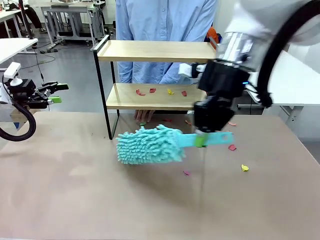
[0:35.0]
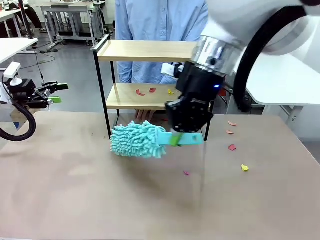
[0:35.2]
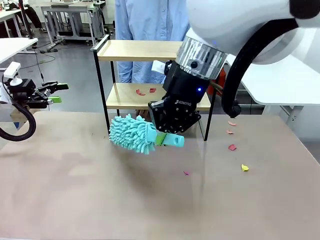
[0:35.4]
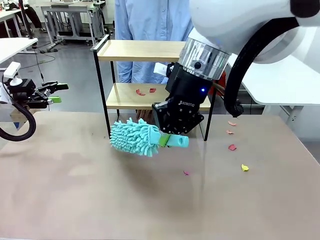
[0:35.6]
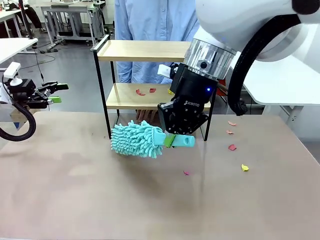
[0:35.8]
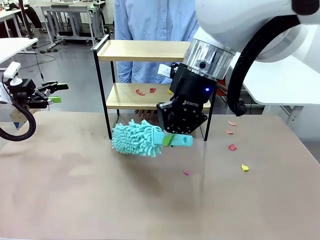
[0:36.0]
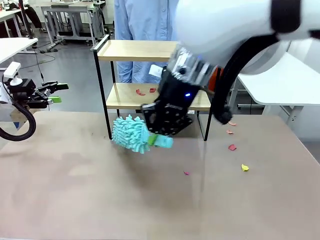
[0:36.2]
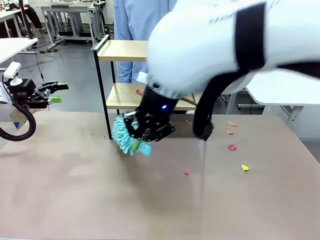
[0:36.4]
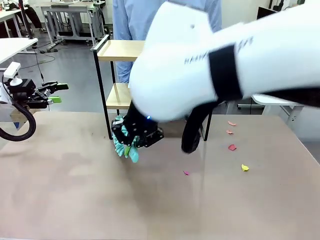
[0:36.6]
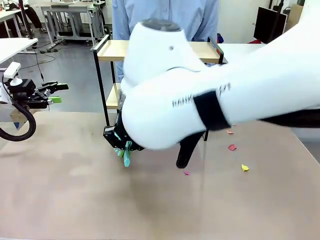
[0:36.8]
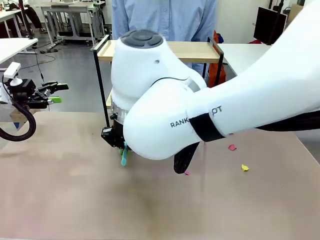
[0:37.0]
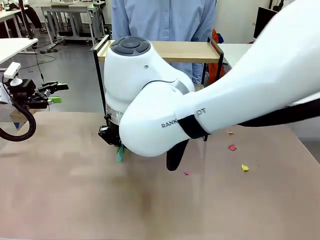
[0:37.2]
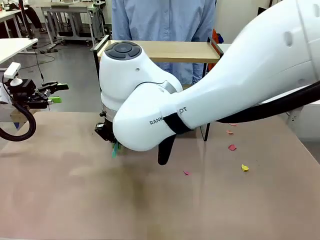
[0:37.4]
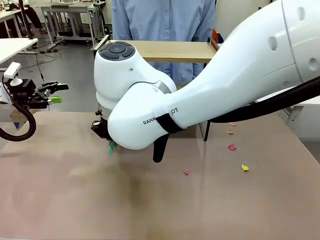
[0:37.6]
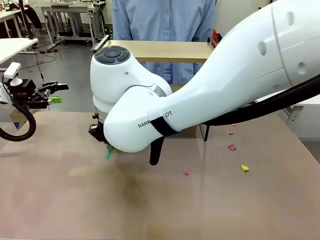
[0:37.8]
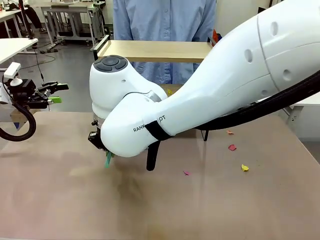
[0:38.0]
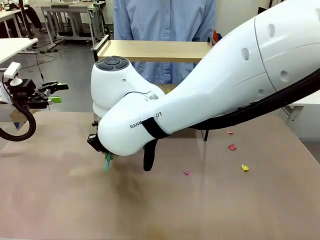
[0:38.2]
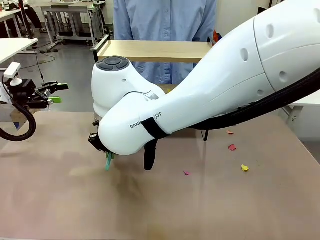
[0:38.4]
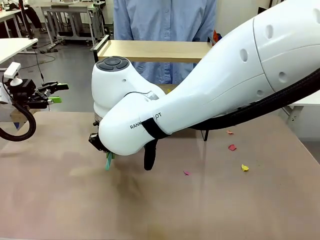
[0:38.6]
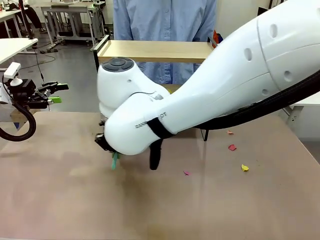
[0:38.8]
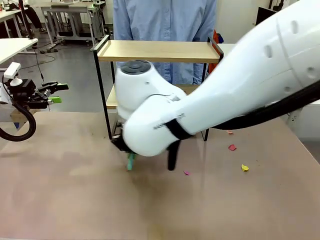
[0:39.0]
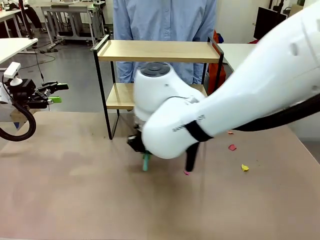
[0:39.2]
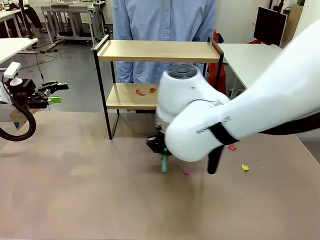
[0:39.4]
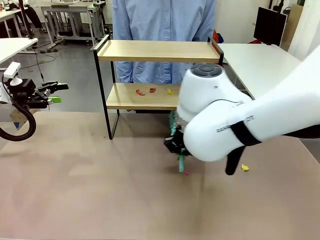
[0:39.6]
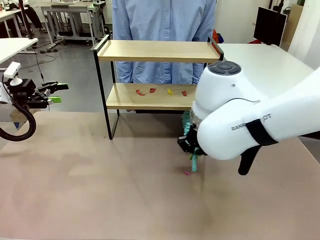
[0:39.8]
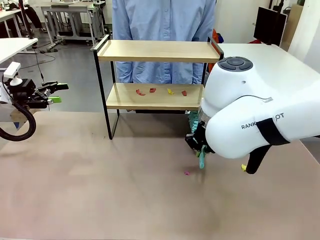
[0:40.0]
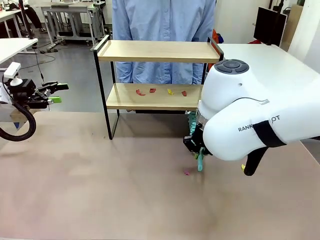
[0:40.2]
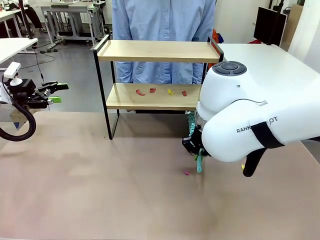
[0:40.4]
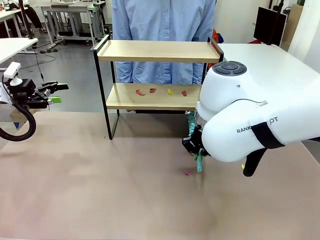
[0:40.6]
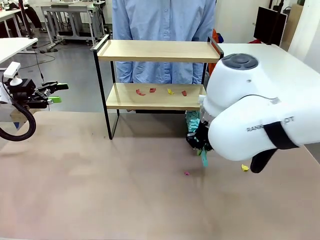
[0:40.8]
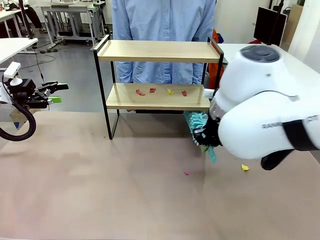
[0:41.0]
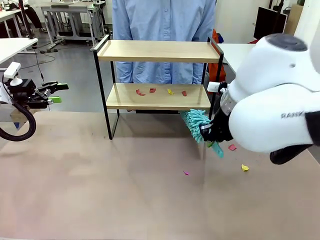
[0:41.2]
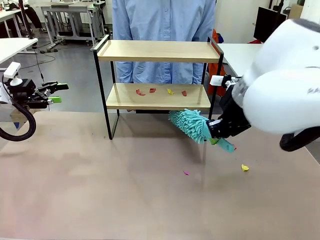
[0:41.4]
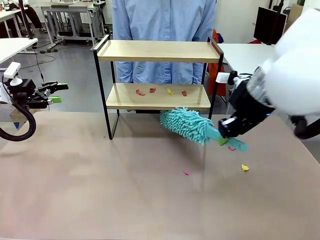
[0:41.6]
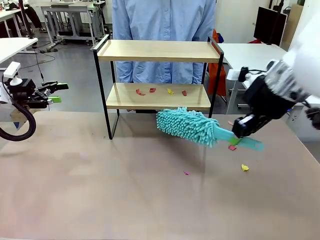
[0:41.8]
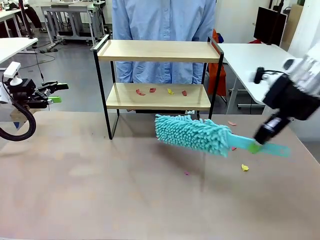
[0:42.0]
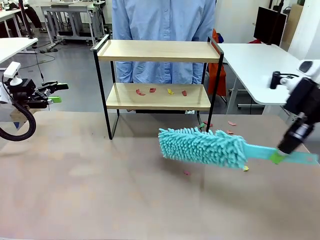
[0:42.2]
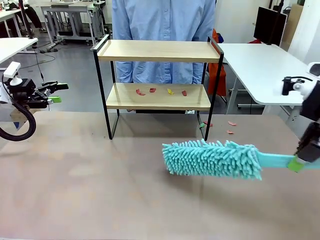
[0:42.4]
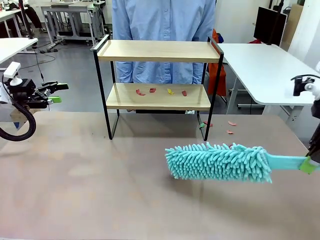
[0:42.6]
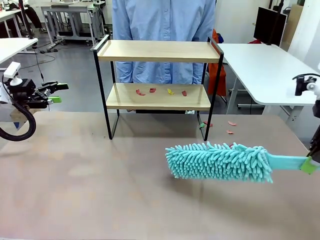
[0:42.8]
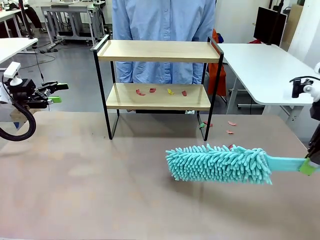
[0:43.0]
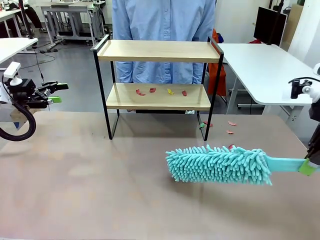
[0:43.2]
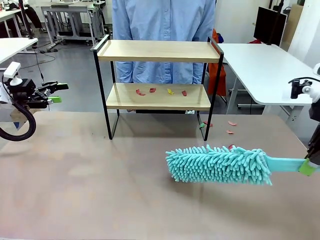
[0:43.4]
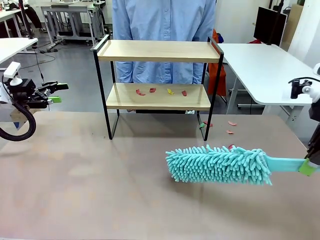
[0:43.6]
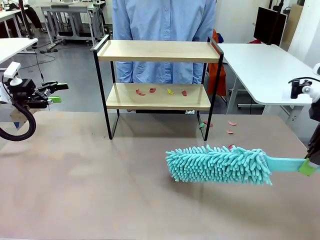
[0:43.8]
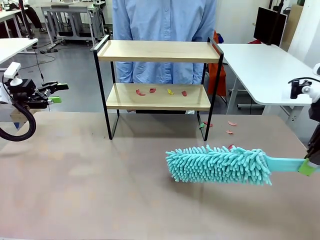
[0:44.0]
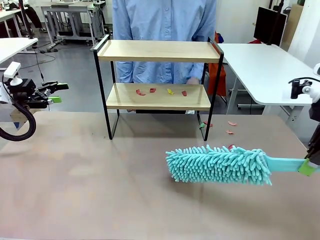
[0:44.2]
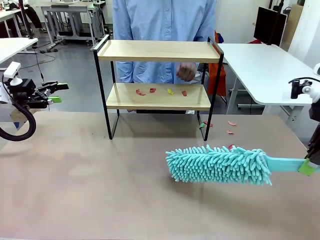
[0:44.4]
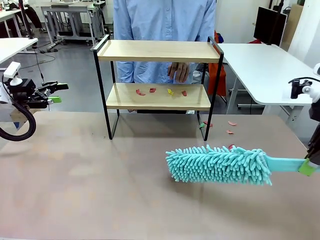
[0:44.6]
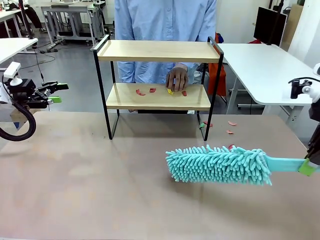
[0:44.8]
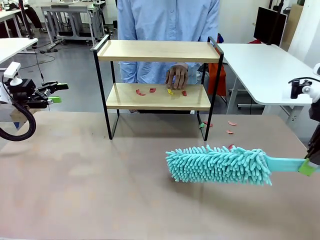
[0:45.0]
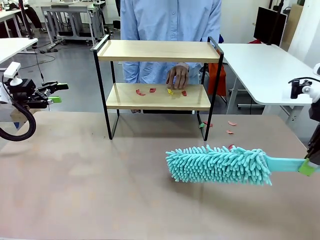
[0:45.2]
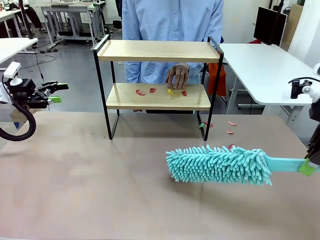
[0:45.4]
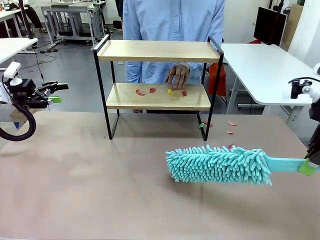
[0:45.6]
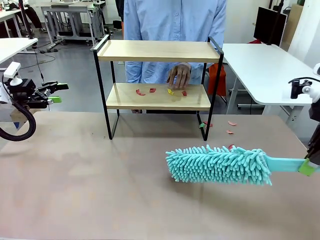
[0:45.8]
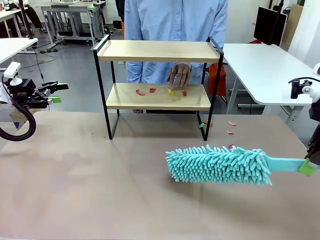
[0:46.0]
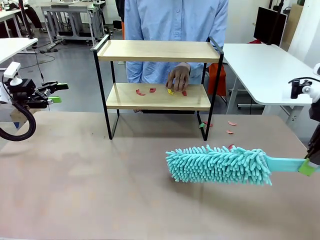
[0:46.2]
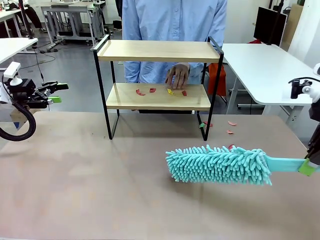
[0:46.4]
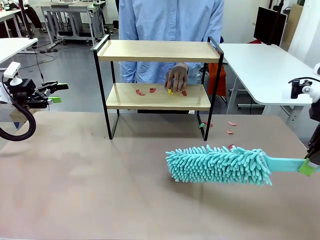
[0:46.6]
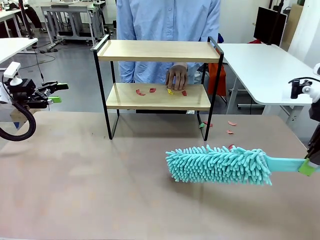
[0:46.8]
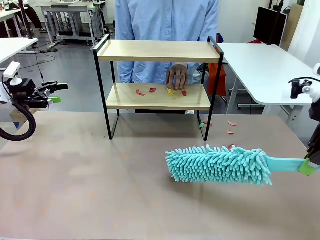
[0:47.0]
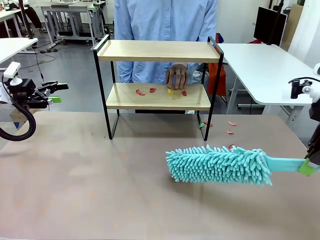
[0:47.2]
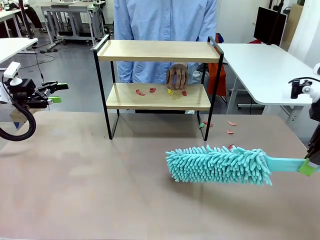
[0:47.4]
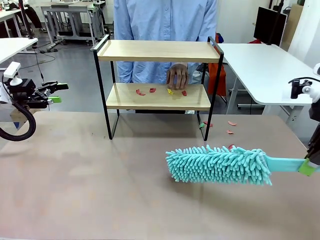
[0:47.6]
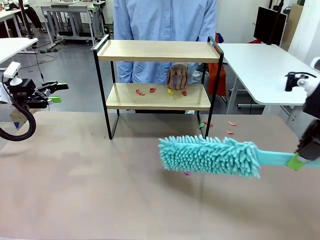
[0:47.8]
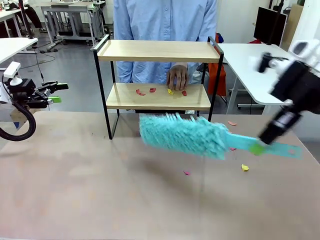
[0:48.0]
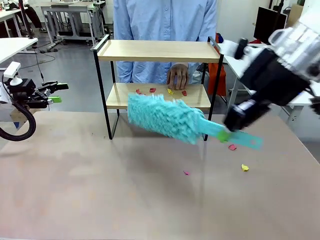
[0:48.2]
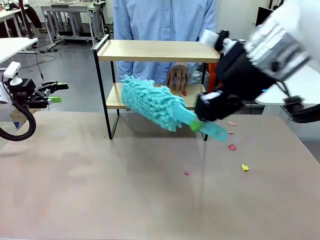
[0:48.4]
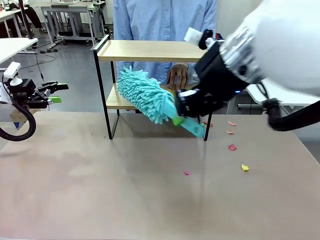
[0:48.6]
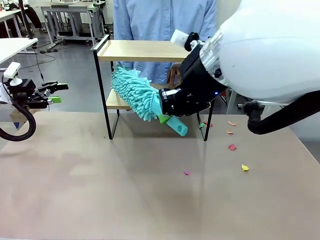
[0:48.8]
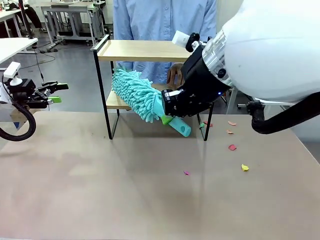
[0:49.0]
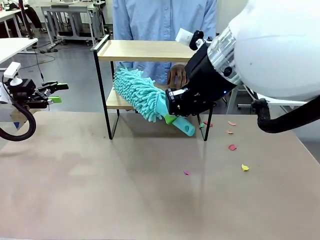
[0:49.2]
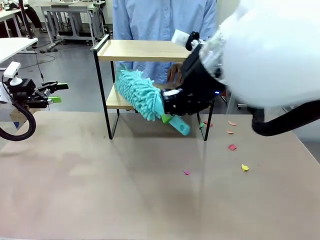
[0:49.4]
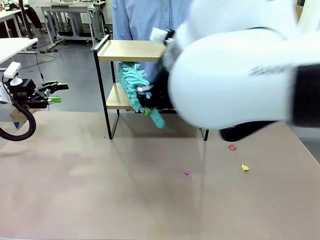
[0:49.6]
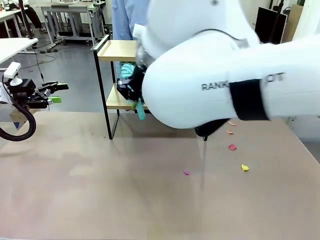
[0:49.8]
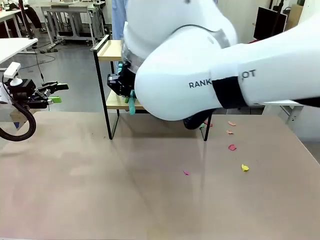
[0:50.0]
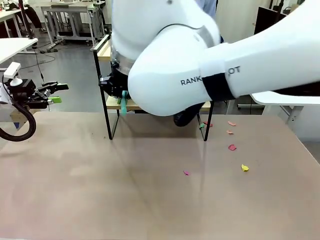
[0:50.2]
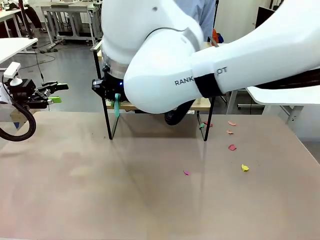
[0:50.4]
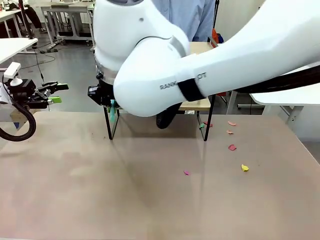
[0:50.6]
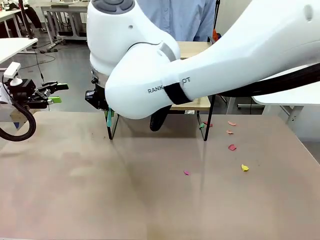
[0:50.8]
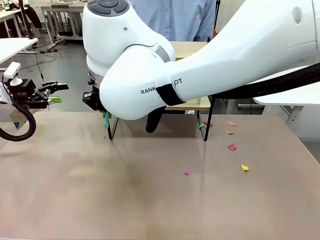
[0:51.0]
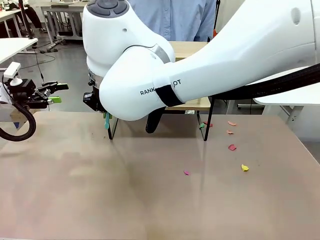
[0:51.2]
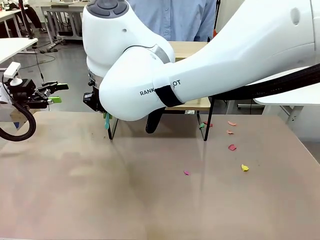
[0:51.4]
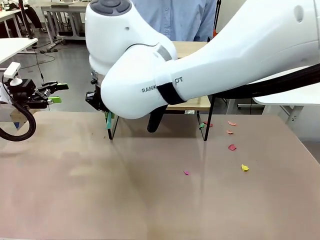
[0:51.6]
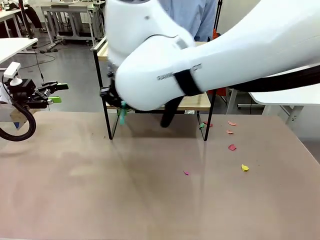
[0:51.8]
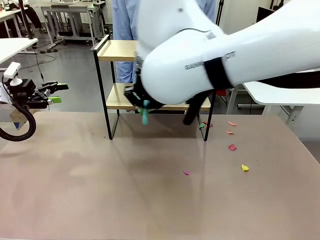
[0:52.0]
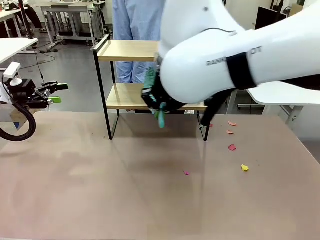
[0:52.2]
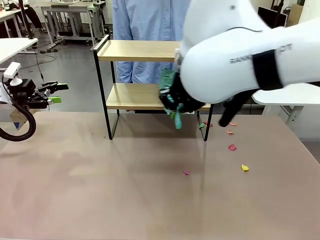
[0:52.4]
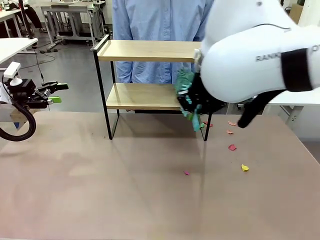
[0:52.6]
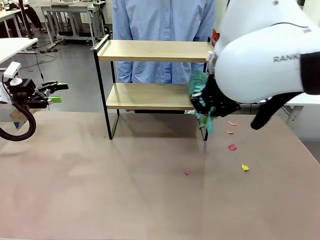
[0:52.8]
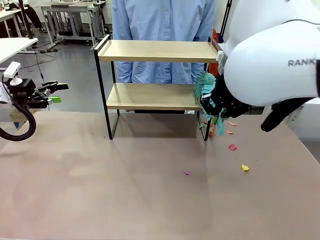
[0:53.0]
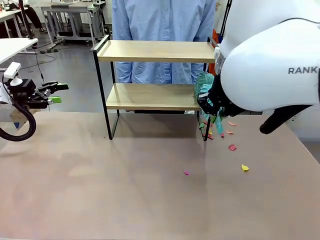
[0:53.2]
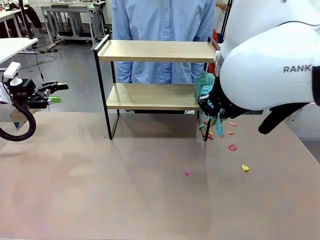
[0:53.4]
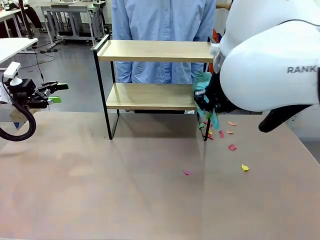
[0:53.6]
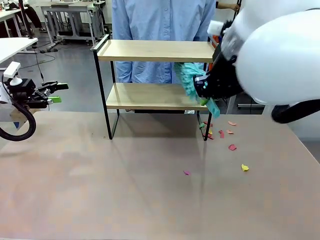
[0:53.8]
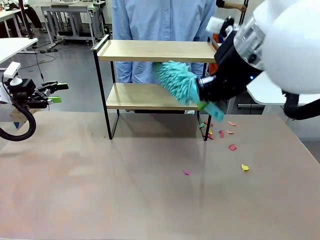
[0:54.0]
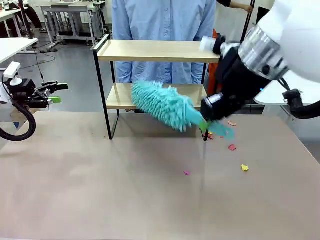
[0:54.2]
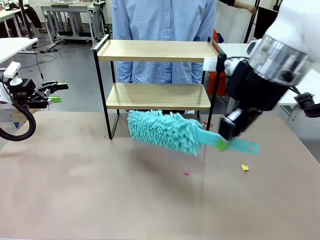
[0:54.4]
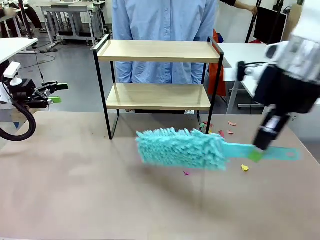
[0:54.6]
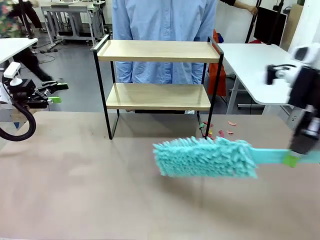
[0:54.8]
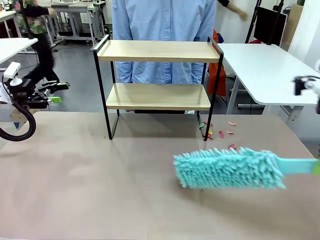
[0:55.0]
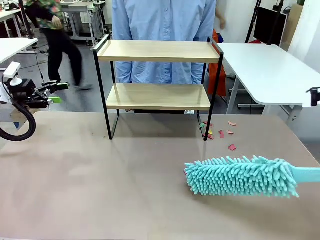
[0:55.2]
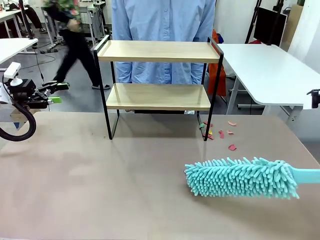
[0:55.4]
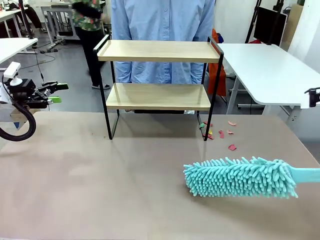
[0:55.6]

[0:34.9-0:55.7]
Task: Clean the shelf.
Robot: Clean the specific section of the Shelf indicated by the human with the Duster.
Person: Point a remaining section of the Shelf.
